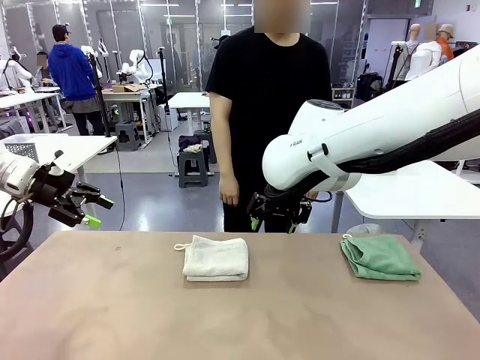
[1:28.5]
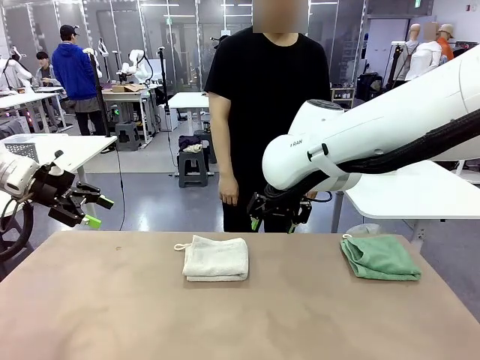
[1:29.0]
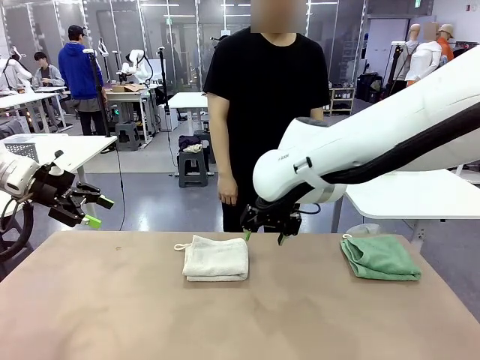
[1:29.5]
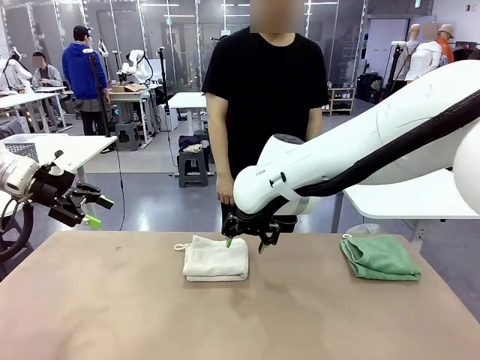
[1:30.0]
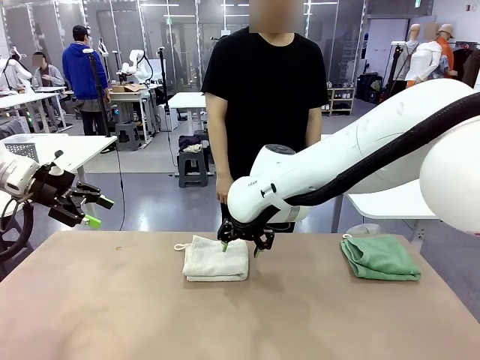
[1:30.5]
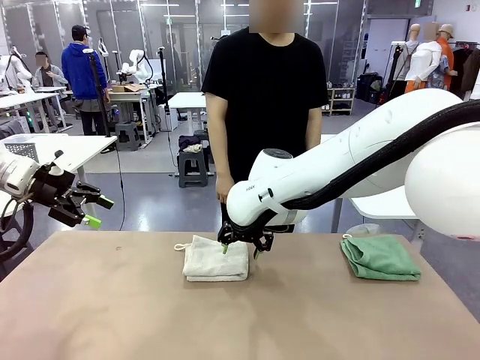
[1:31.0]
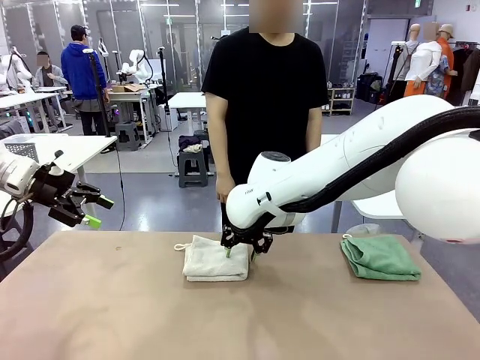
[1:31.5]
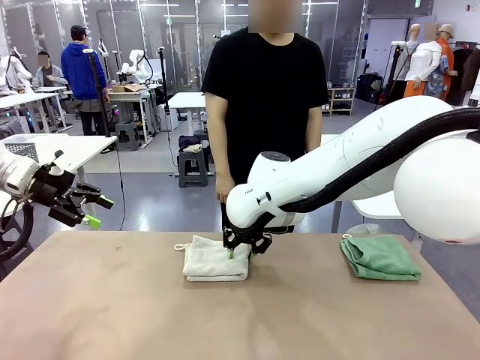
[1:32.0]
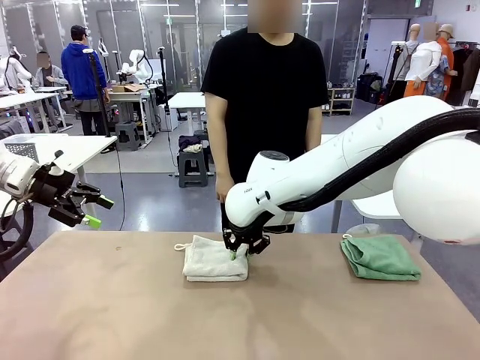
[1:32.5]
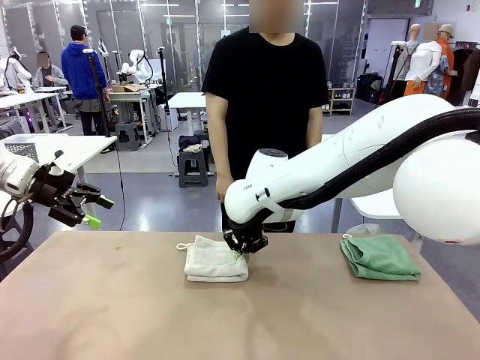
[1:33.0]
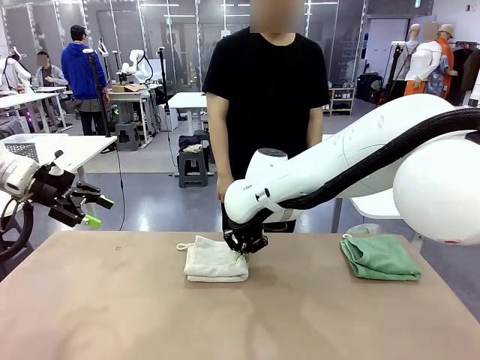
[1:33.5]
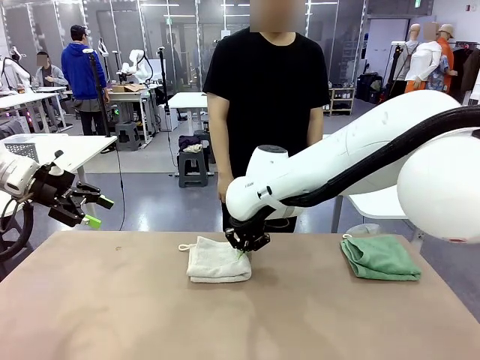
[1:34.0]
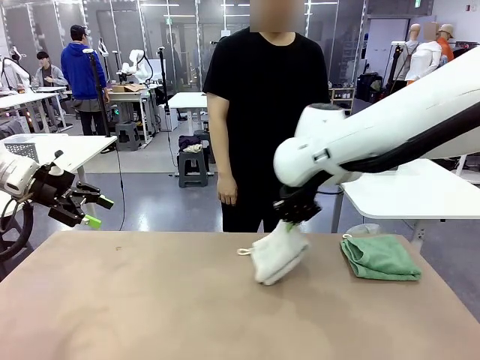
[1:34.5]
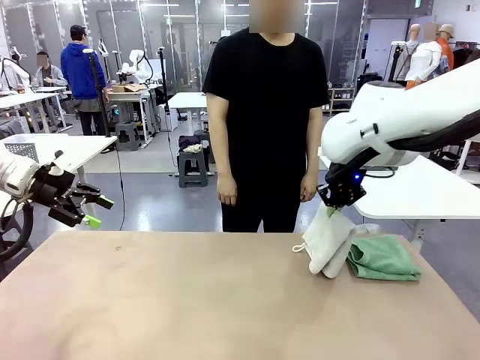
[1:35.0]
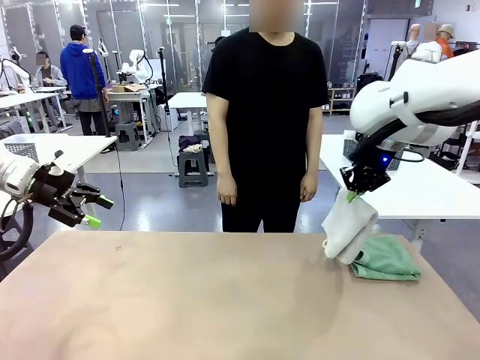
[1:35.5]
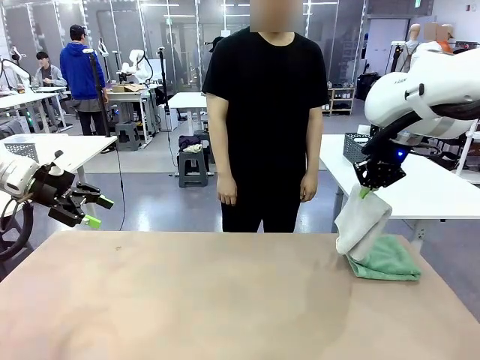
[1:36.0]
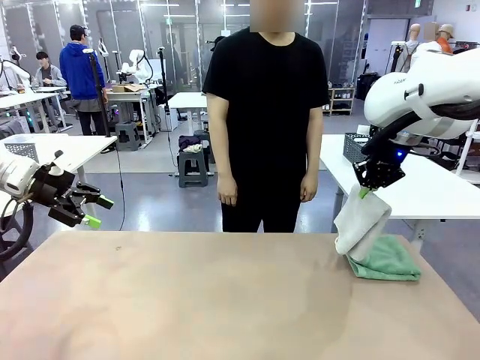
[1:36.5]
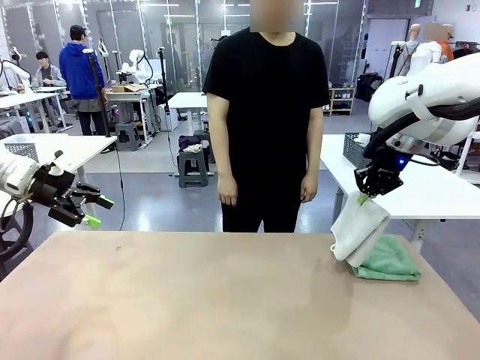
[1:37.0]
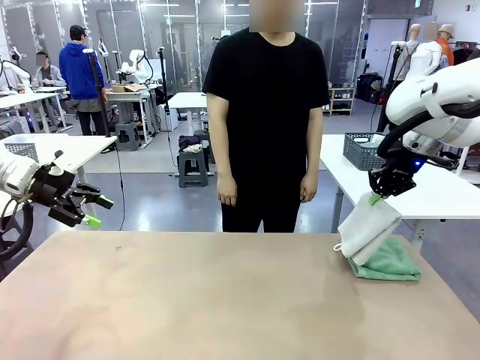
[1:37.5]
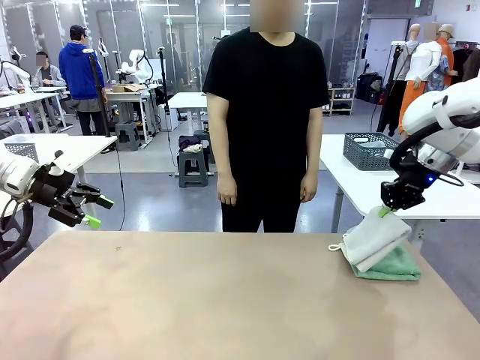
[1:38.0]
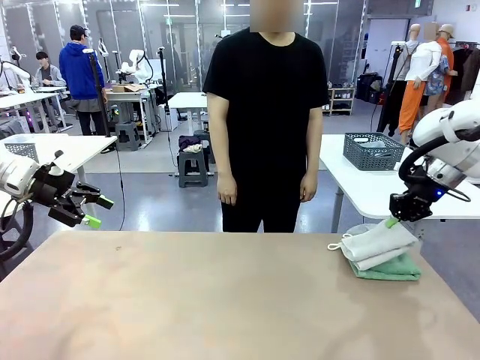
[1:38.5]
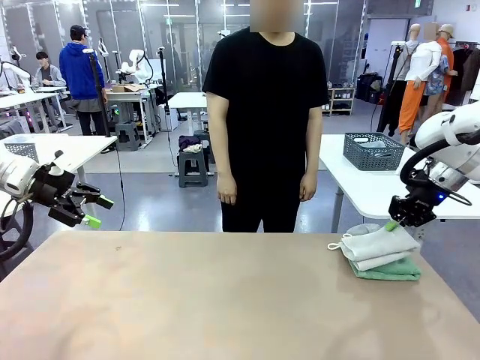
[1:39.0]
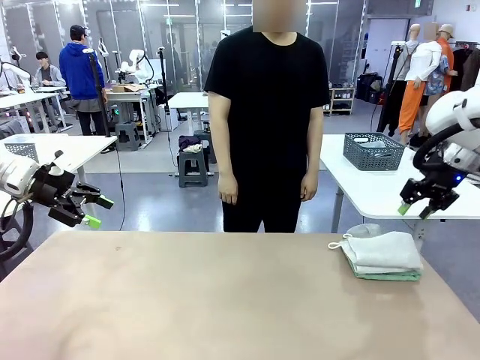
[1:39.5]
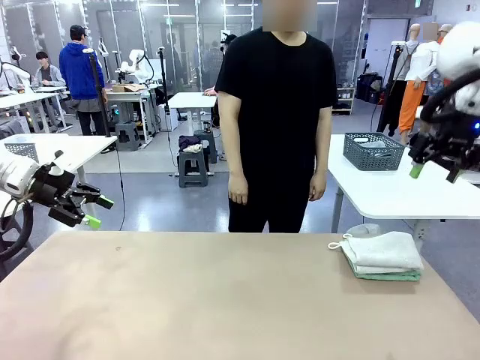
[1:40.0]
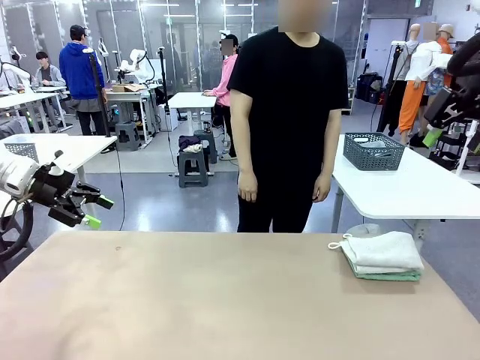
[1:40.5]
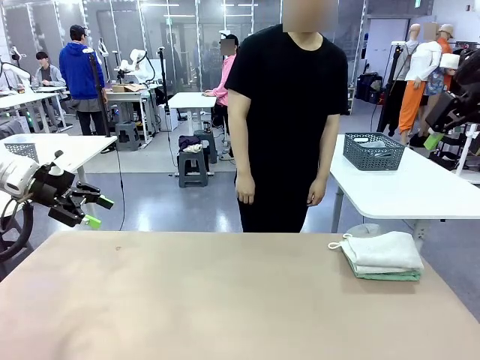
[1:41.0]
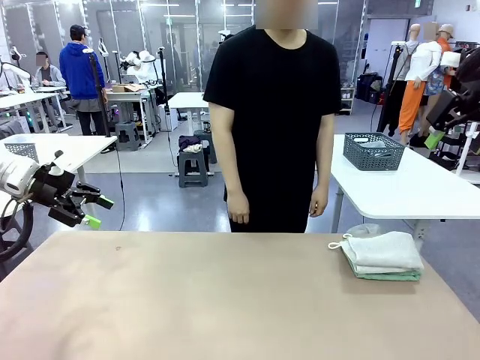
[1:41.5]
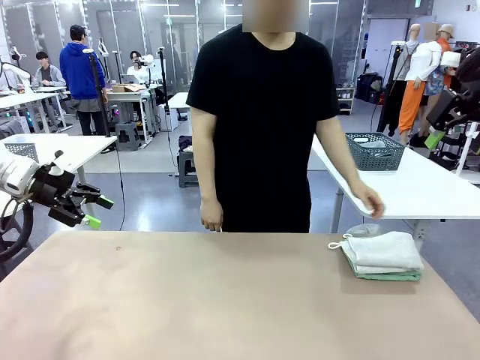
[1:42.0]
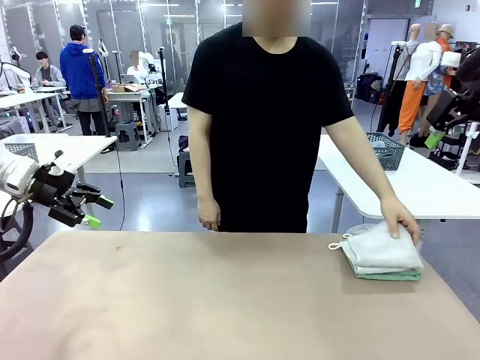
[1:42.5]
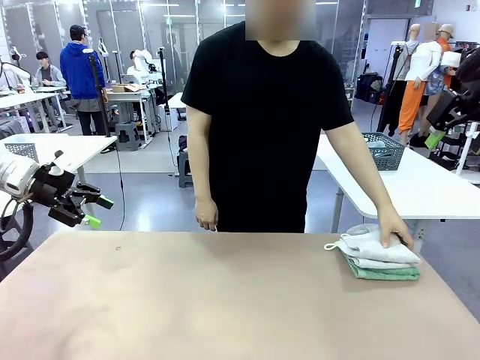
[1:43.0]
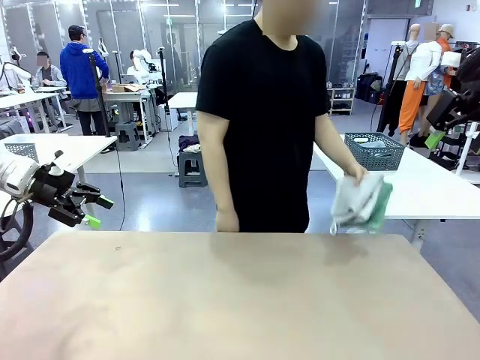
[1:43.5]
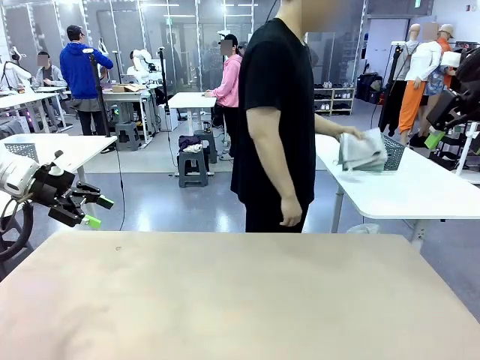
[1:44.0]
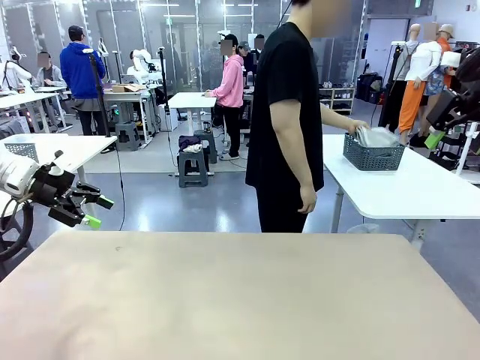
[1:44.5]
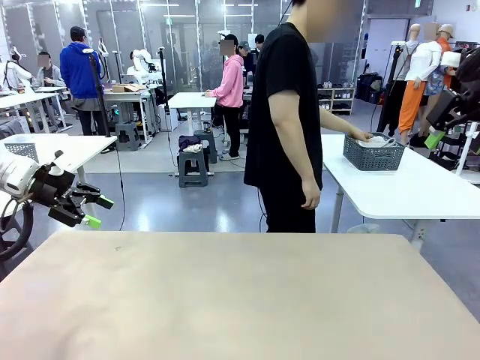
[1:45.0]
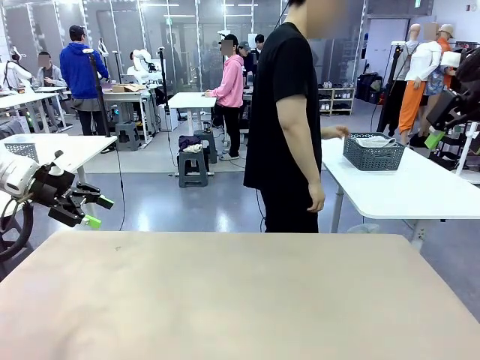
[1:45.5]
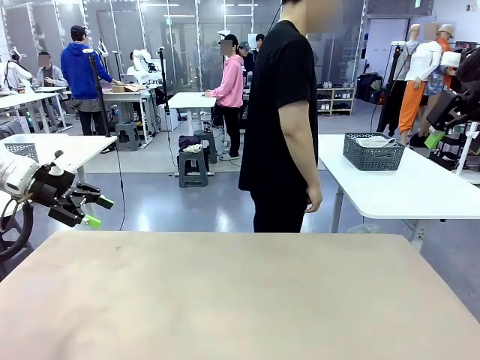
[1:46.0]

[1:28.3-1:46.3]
Task: Fold the towels and place them in the basket.
Robot: Stack the folded Towel with hook on the right side of the table.
Person: Pick up the stack of towels from the robot table and place it into the basket.

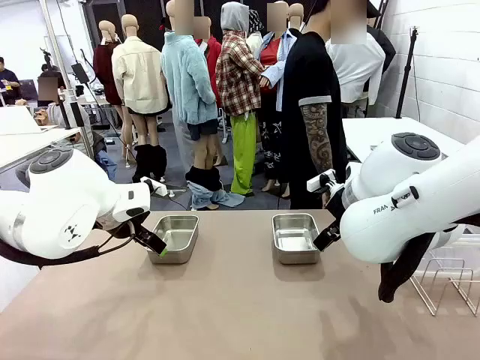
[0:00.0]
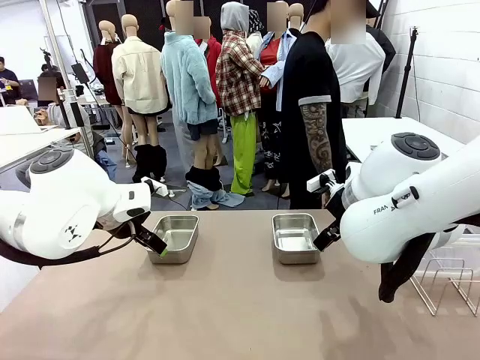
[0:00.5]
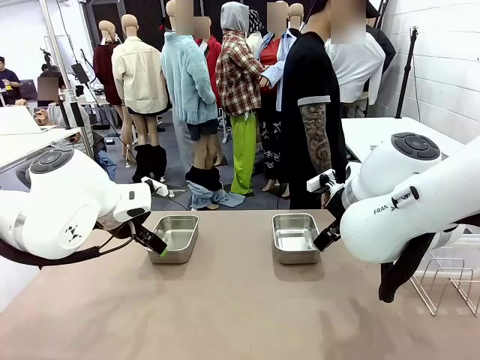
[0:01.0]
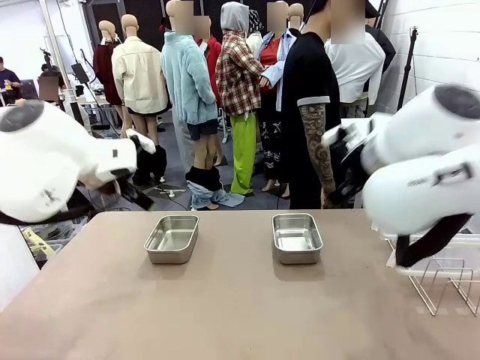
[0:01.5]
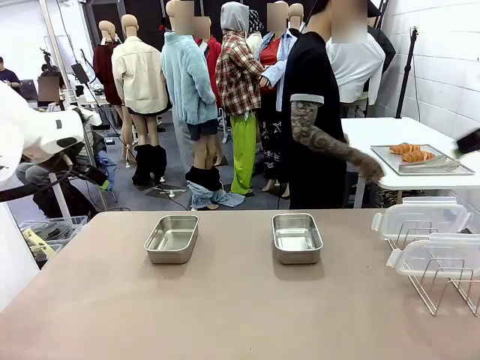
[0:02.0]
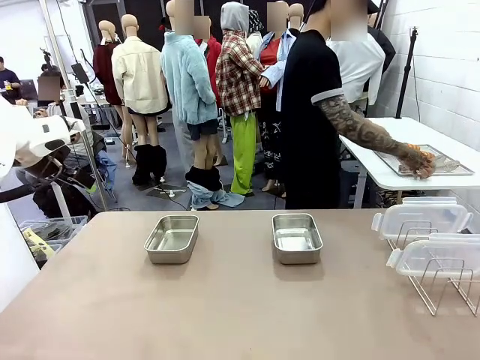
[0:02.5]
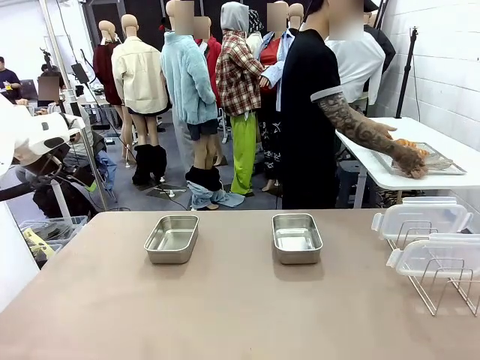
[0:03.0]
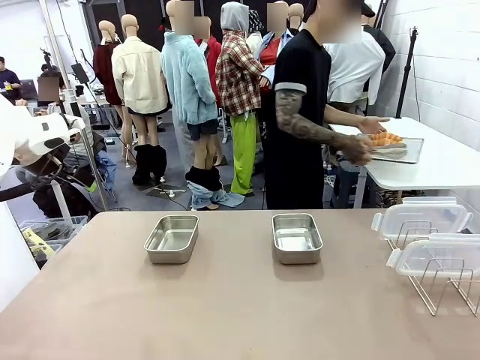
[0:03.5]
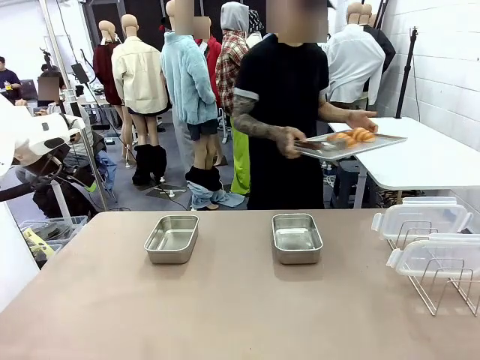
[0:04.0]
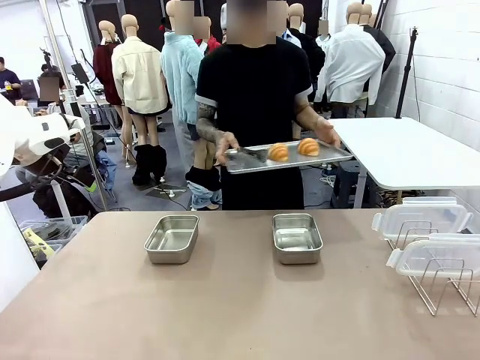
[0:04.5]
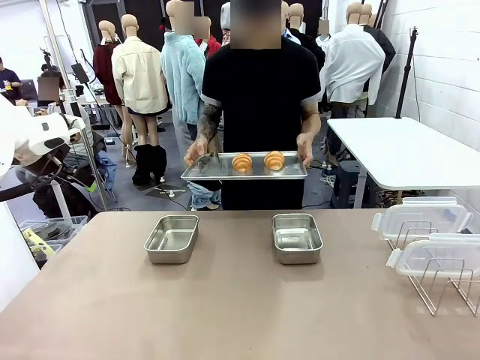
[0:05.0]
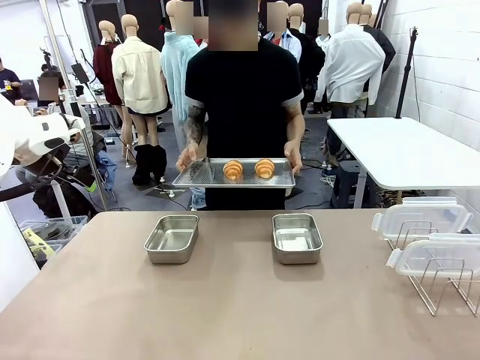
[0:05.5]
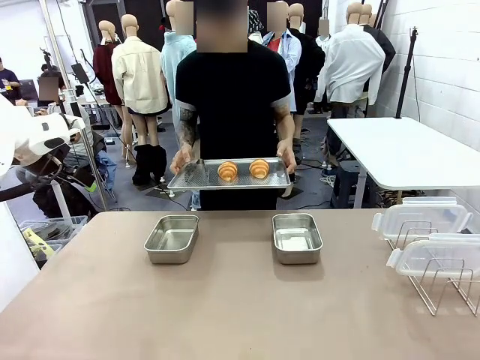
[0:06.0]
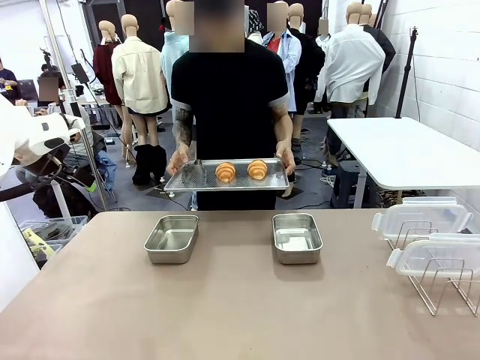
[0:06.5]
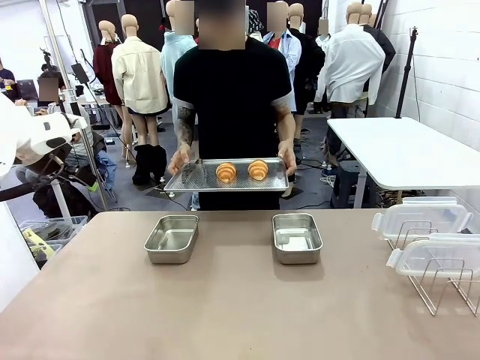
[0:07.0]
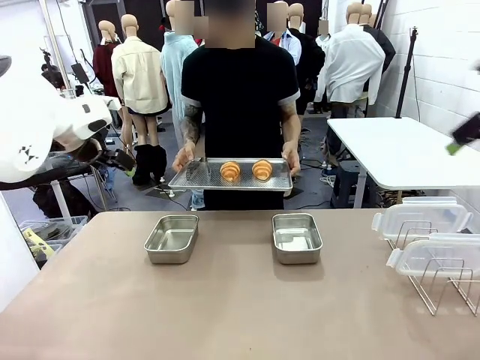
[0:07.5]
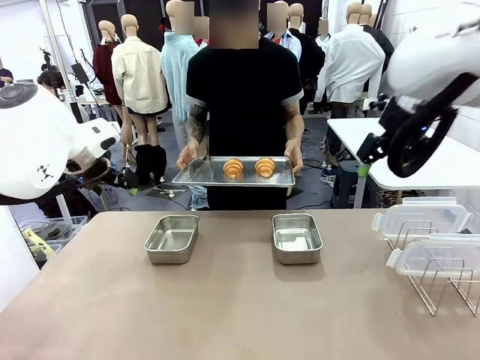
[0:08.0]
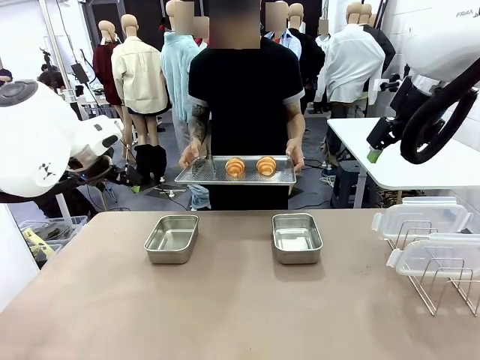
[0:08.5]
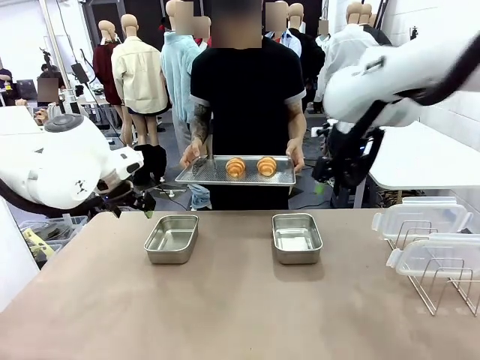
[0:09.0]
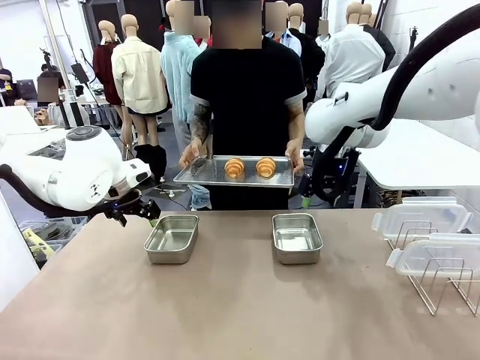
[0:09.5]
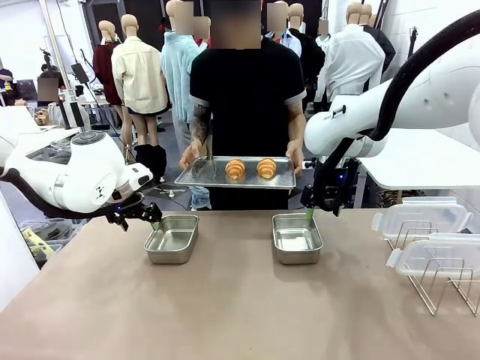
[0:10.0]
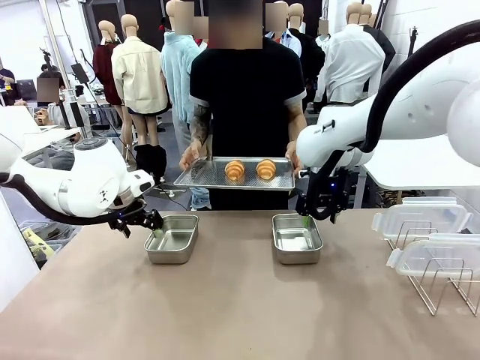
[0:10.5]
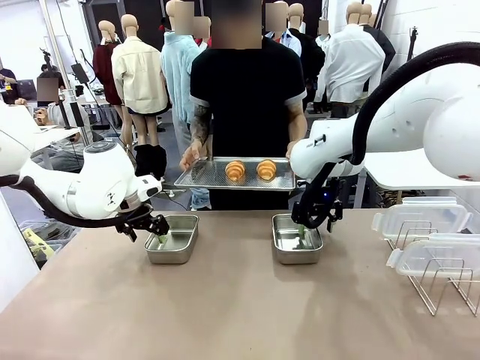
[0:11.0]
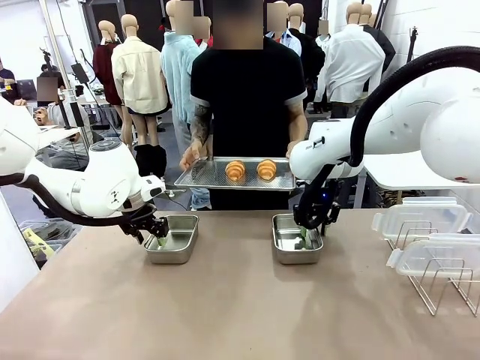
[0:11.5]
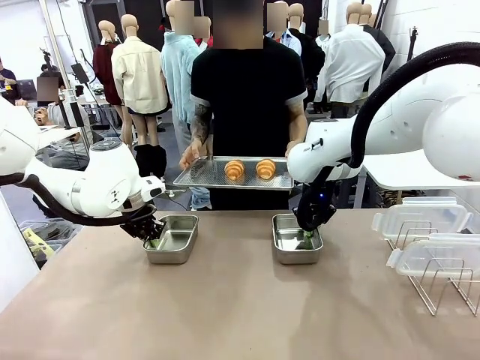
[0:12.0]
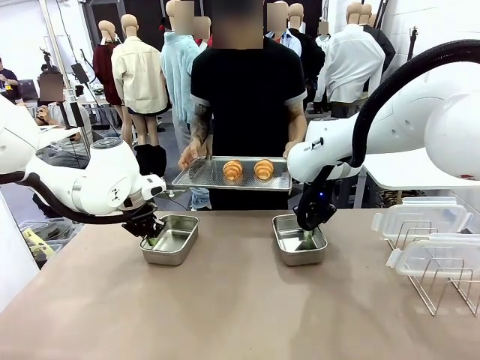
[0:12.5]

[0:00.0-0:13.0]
Task: Place the bread in airtight containers.
Robot: Lift both Airtight Container.
Person: Bring the Baking Sheet in front of Robot's Table.
